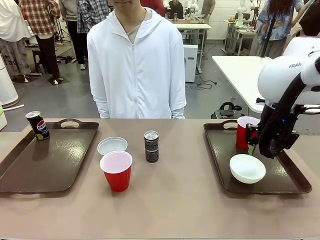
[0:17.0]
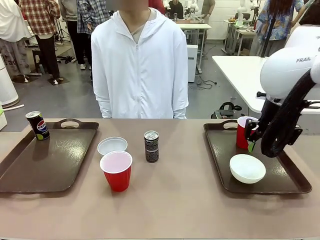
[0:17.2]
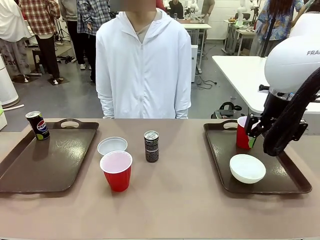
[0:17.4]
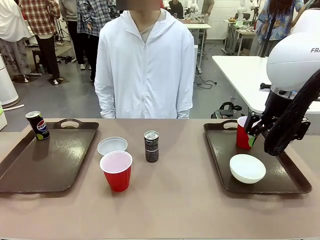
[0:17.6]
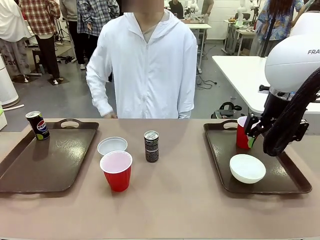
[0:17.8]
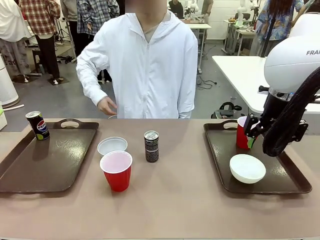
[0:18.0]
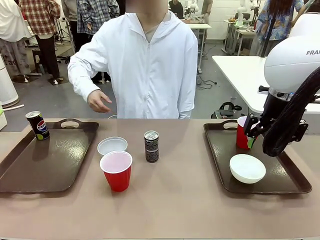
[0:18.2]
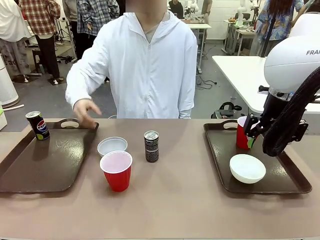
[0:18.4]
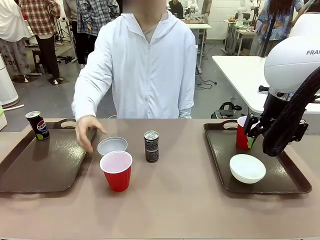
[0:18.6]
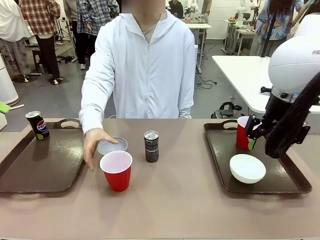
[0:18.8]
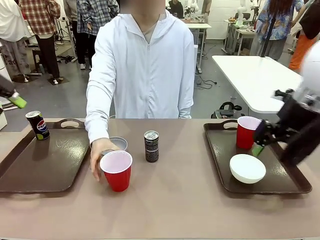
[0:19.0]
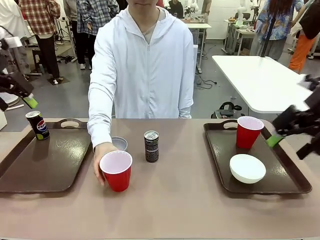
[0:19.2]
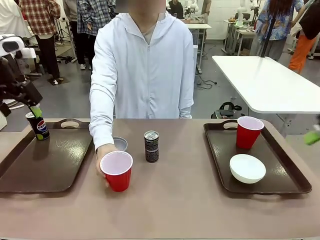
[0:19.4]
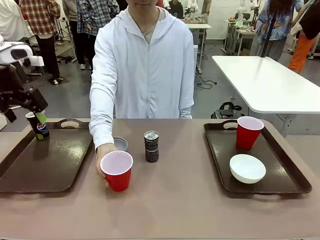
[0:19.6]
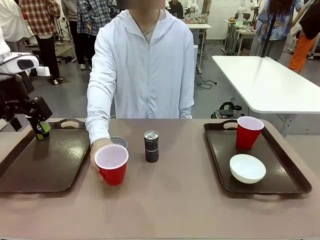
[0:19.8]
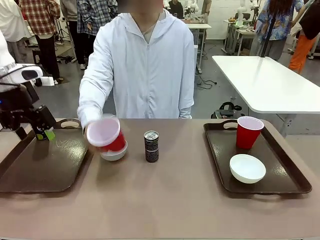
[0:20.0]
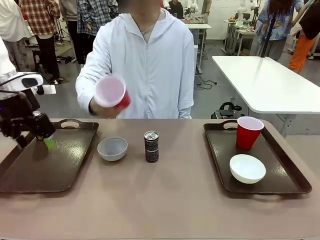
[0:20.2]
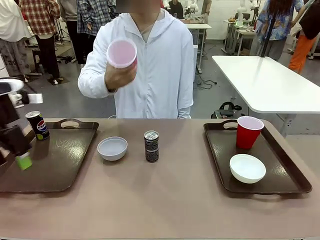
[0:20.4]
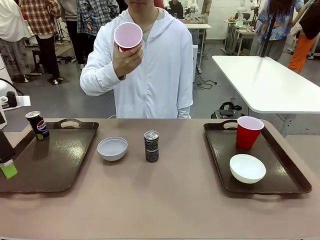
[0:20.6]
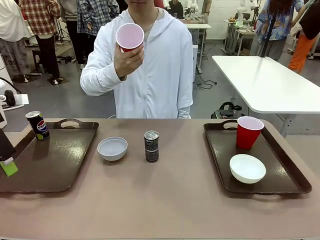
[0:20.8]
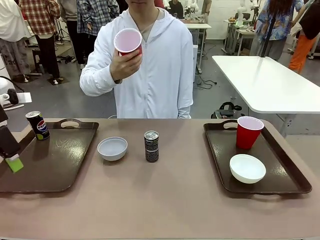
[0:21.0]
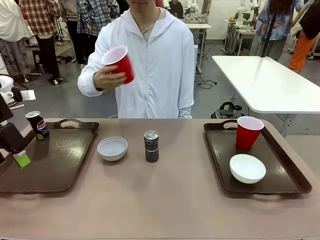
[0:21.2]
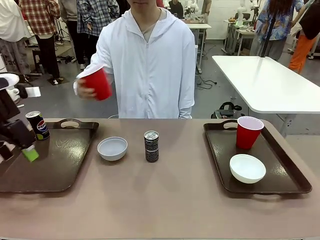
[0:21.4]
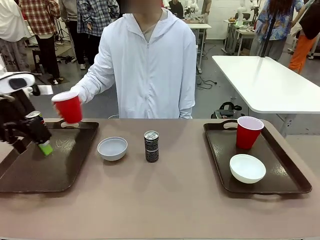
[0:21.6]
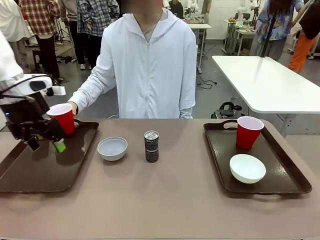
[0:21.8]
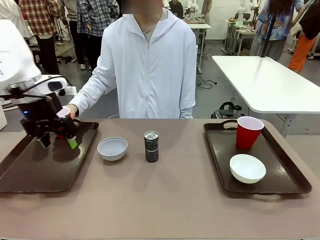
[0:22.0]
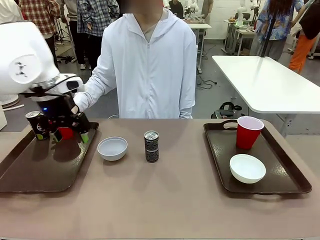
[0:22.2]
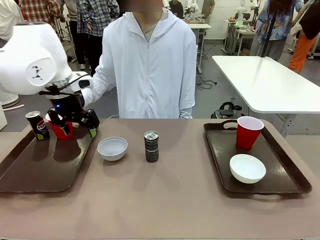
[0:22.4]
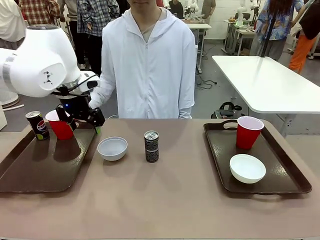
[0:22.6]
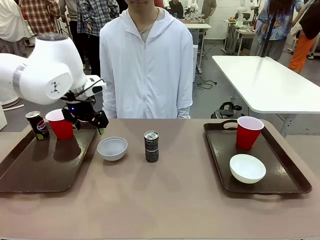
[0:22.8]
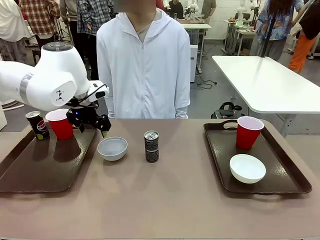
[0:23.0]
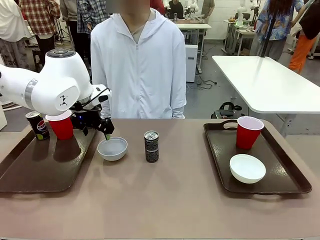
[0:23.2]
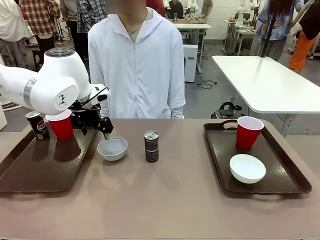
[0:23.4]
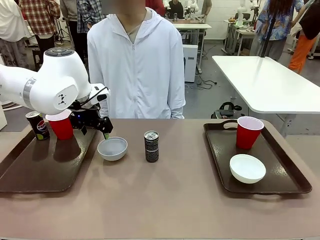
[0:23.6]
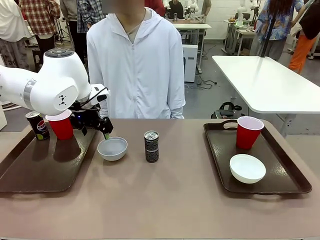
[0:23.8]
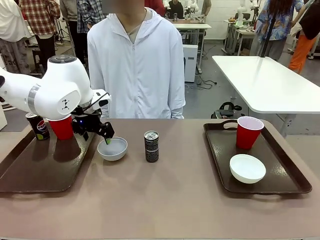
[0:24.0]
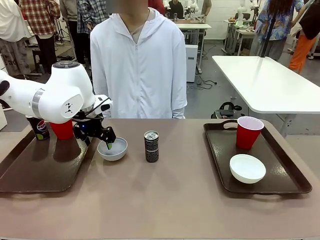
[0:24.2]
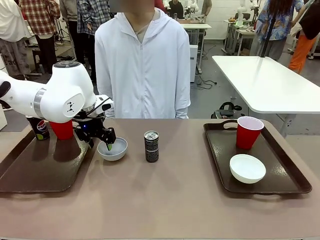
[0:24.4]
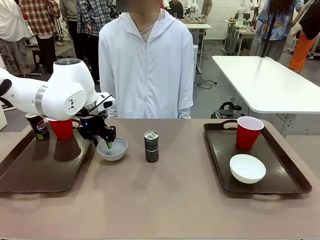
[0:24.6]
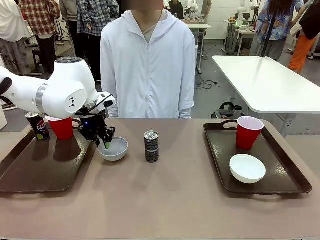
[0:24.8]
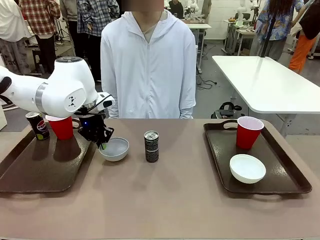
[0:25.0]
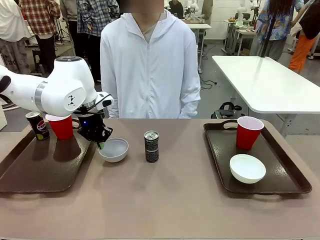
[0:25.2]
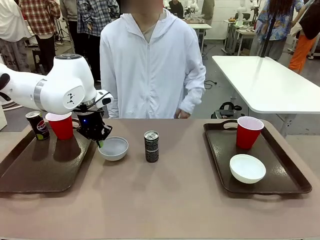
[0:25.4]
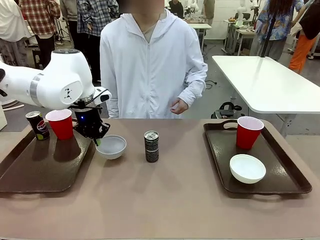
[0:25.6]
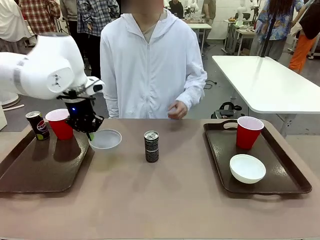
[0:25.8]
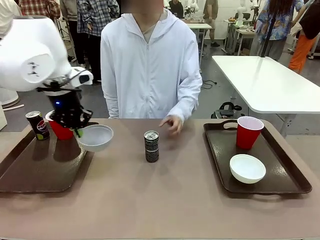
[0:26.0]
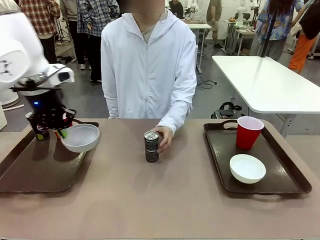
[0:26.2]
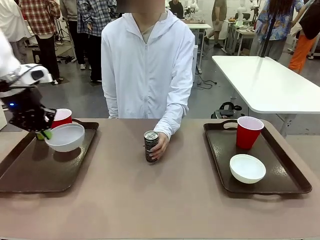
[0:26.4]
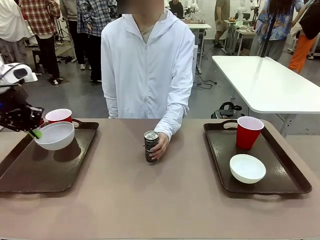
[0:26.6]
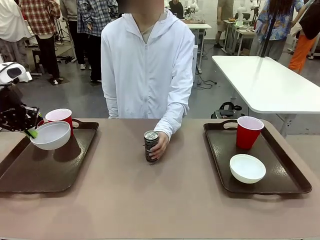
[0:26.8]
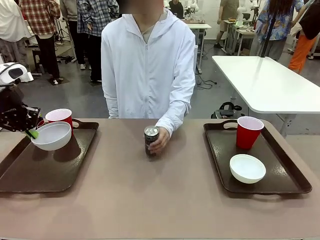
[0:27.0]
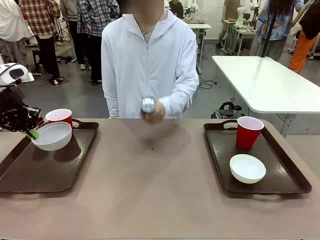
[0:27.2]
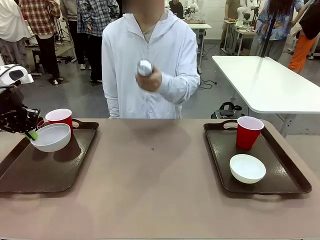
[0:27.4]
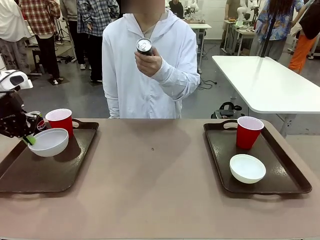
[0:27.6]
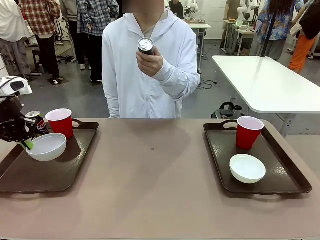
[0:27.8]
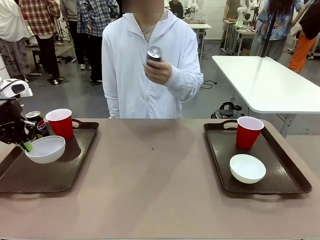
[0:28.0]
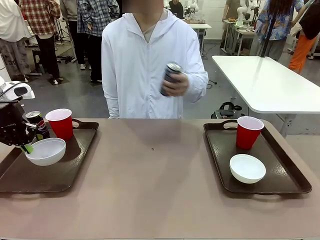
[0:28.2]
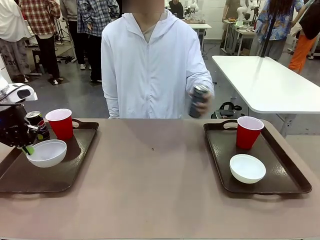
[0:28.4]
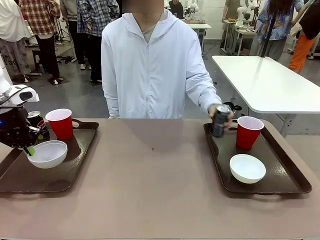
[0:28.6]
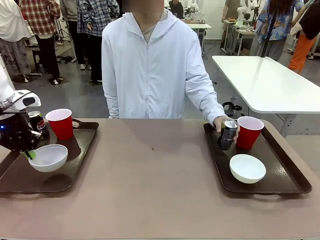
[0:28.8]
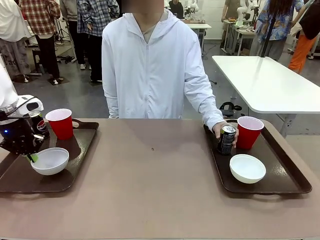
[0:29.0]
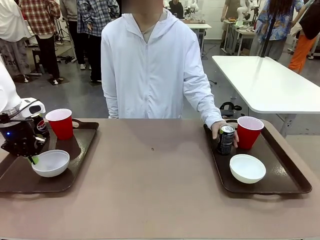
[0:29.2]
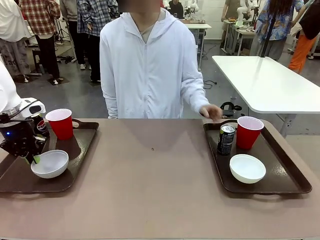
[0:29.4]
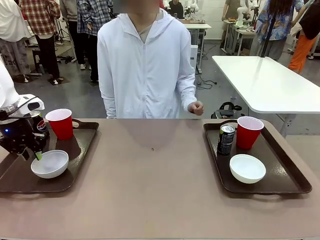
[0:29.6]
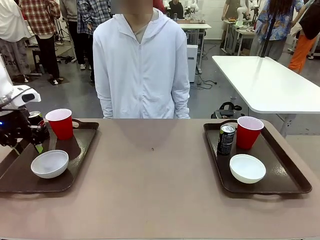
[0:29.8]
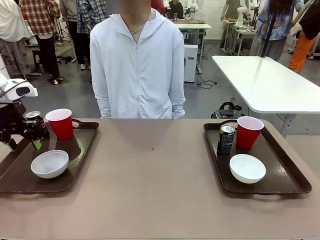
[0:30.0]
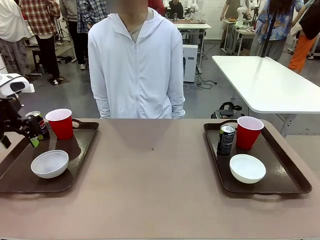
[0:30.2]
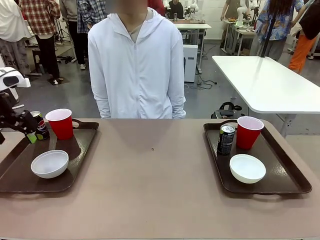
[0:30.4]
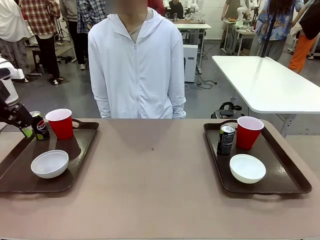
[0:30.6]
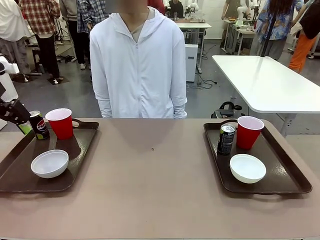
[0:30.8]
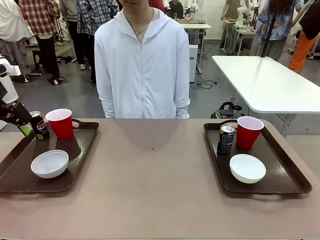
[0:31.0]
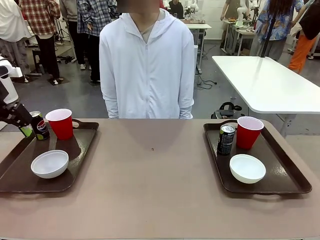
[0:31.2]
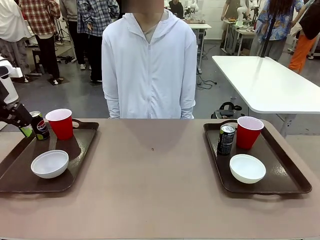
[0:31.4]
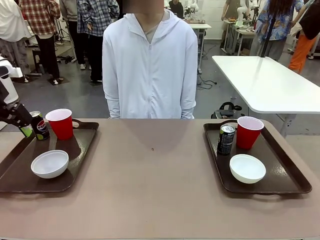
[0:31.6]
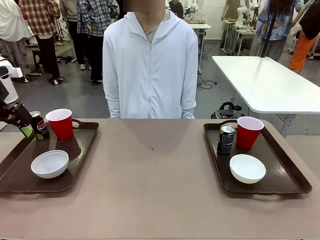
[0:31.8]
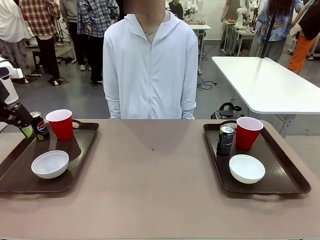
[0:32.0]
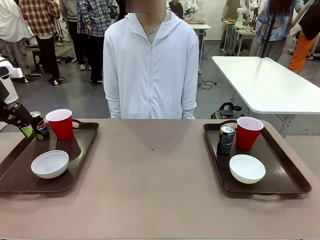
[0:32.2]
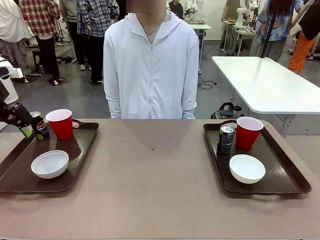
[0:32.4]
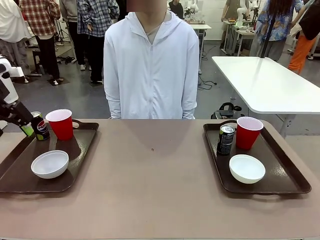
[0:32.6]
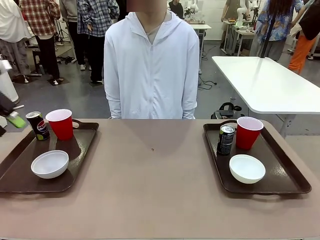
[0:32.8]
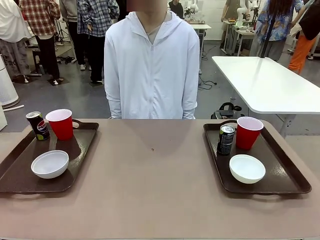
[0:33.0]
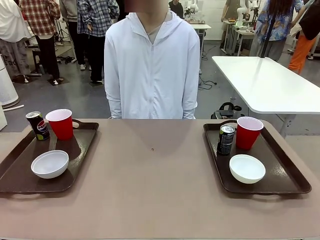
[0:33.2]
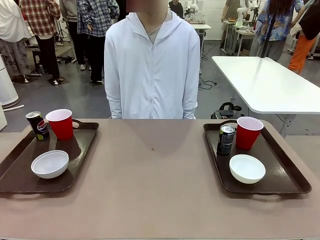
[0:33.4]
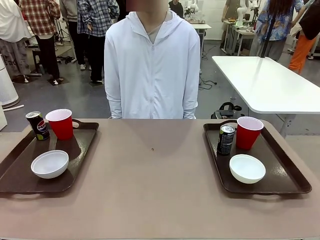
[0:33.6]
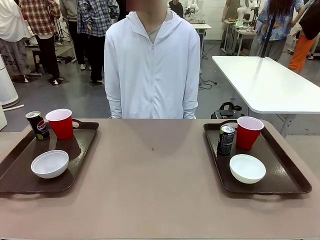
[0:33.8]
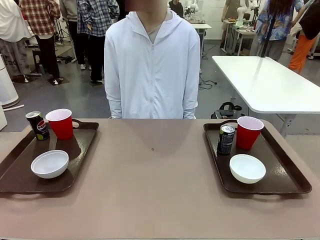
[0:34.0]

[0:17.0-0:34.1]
Task: Prepare tableware on both trays.
Robot: Pick up a Picnic Bowl from the table and place it on a Handle tray.
Person: Pick up a can or cup and place it on the tray without a can or cup.
